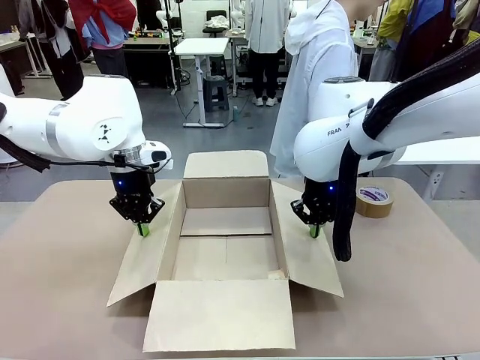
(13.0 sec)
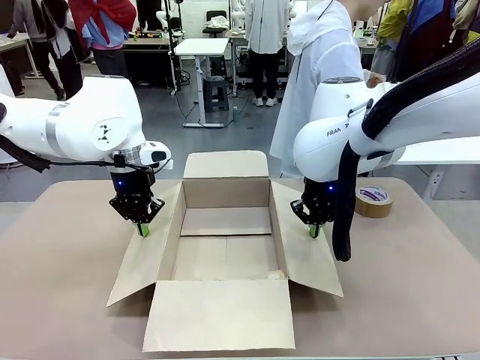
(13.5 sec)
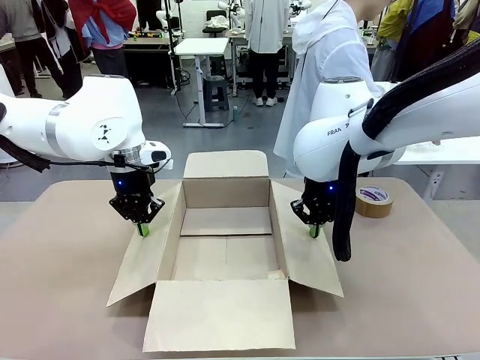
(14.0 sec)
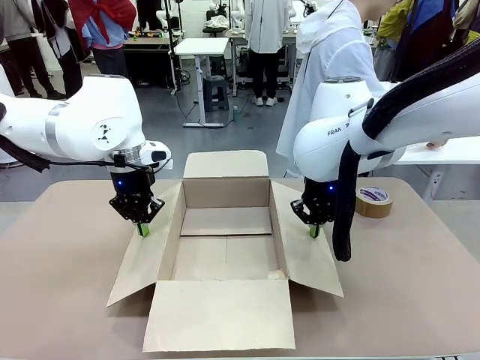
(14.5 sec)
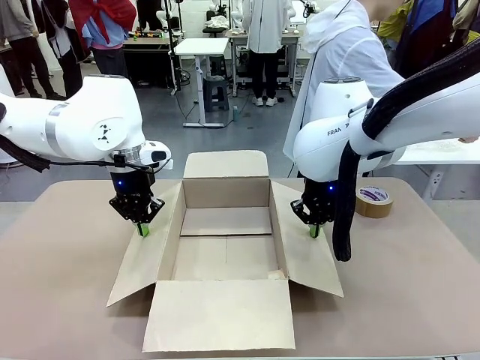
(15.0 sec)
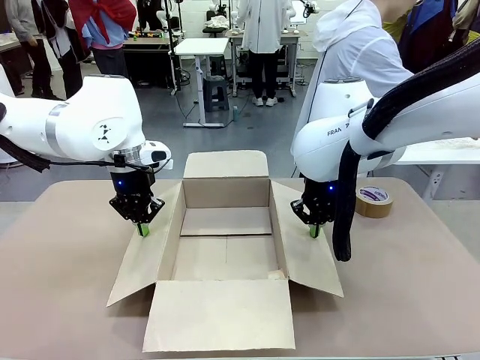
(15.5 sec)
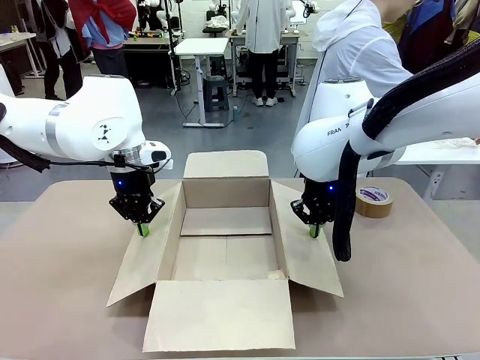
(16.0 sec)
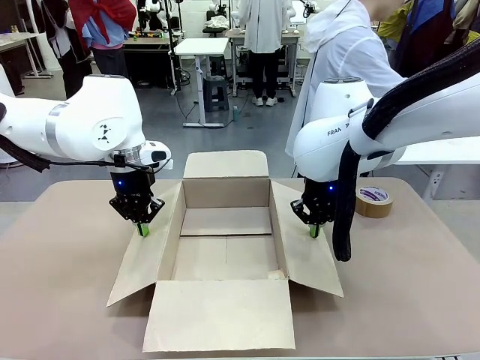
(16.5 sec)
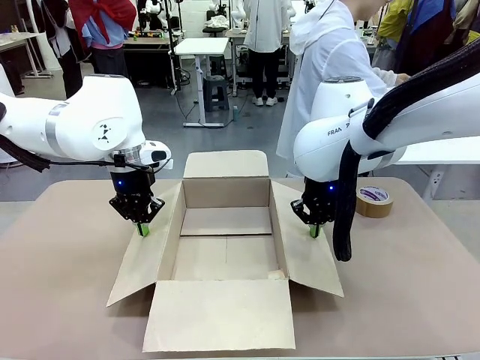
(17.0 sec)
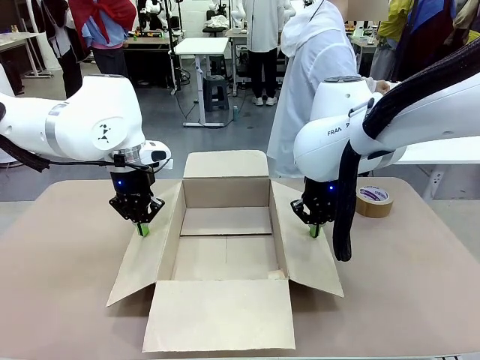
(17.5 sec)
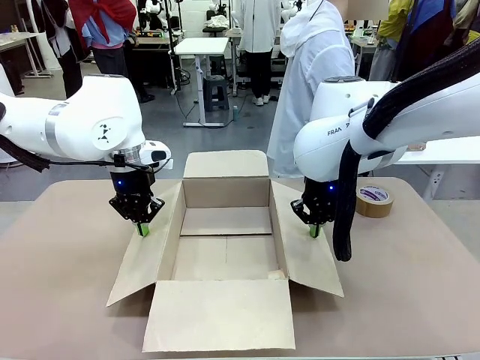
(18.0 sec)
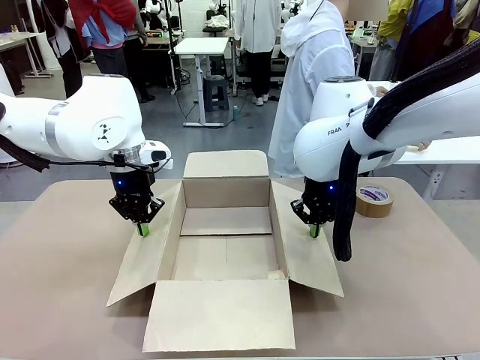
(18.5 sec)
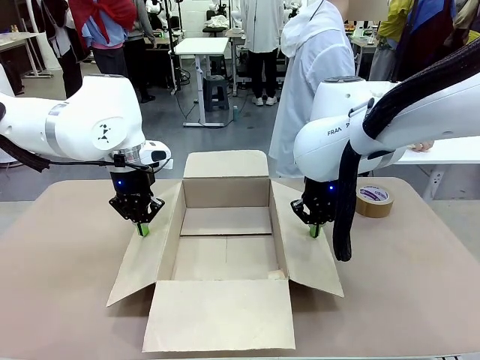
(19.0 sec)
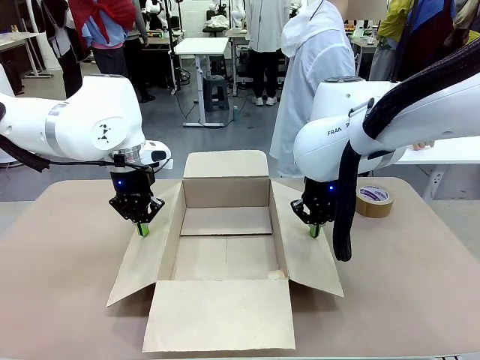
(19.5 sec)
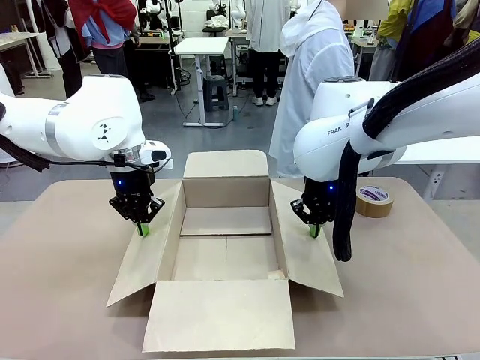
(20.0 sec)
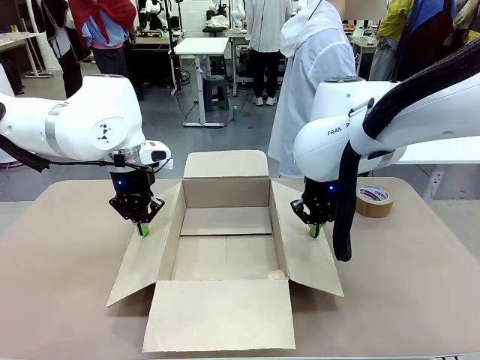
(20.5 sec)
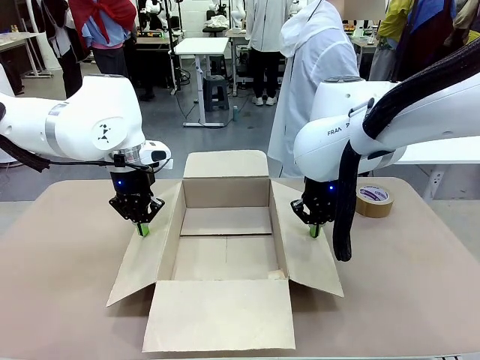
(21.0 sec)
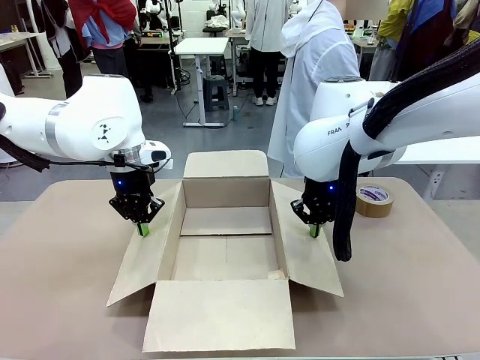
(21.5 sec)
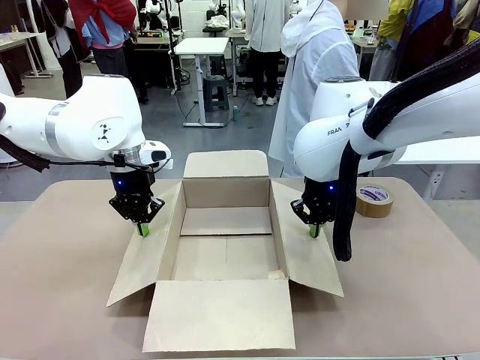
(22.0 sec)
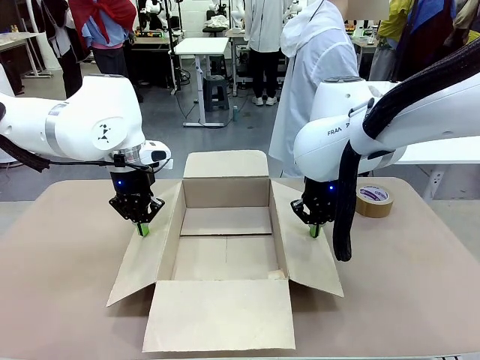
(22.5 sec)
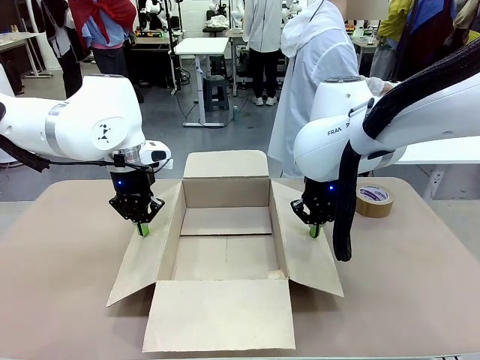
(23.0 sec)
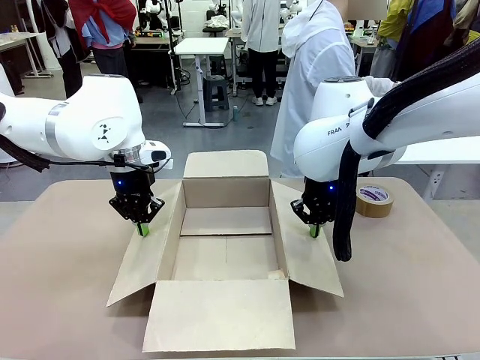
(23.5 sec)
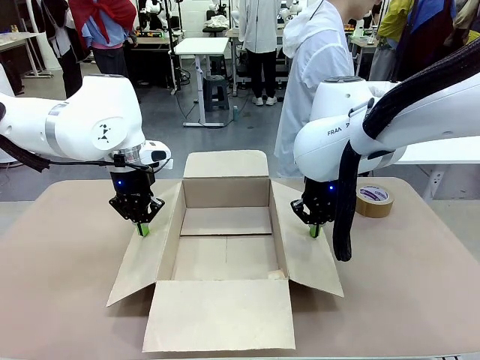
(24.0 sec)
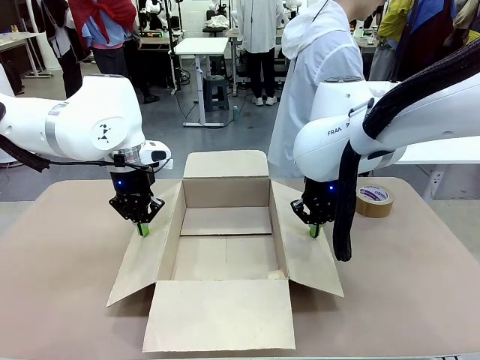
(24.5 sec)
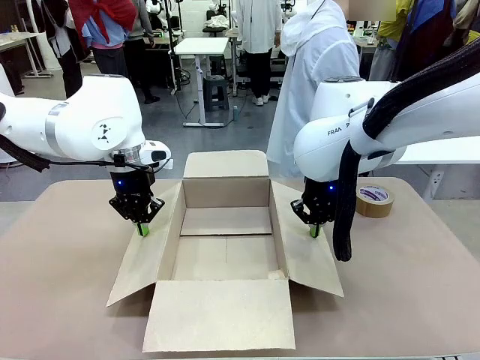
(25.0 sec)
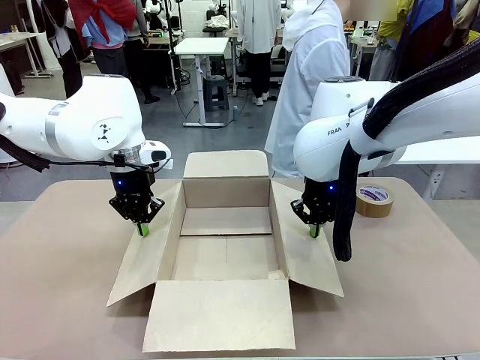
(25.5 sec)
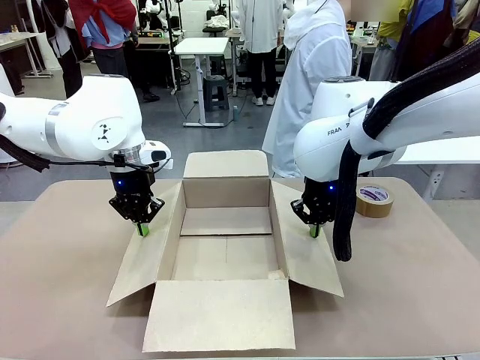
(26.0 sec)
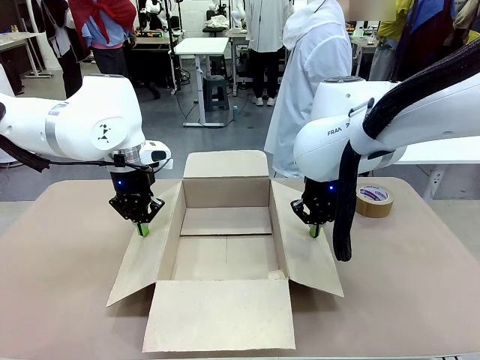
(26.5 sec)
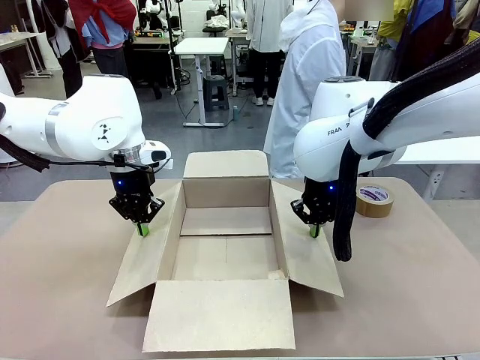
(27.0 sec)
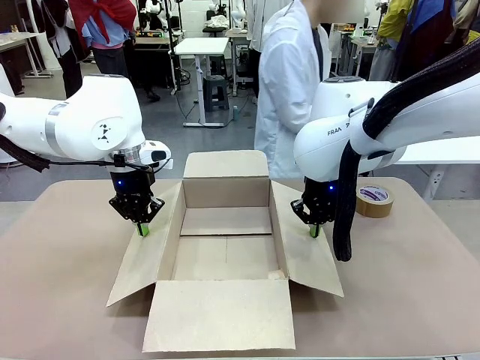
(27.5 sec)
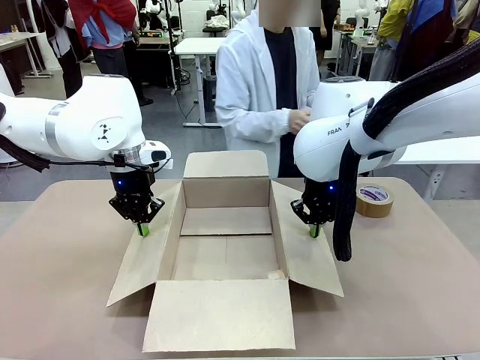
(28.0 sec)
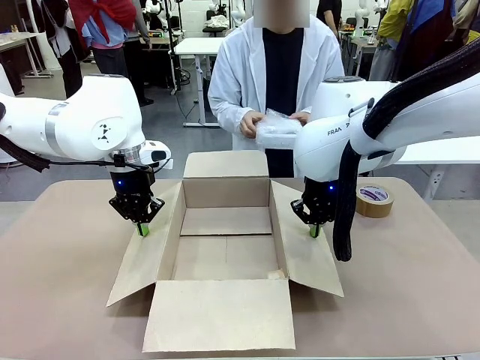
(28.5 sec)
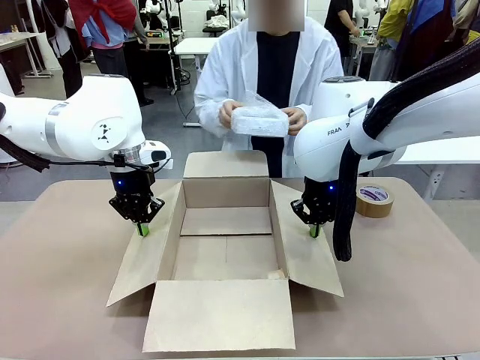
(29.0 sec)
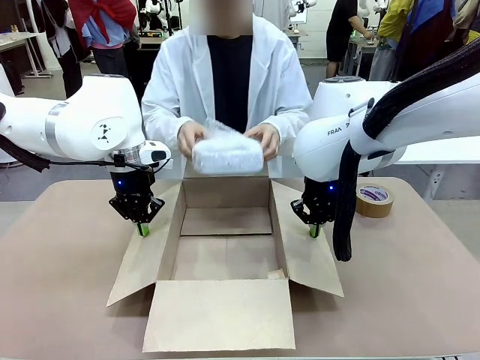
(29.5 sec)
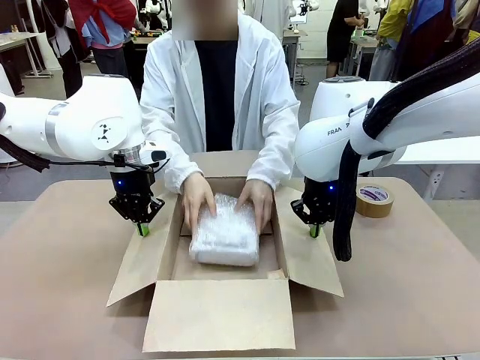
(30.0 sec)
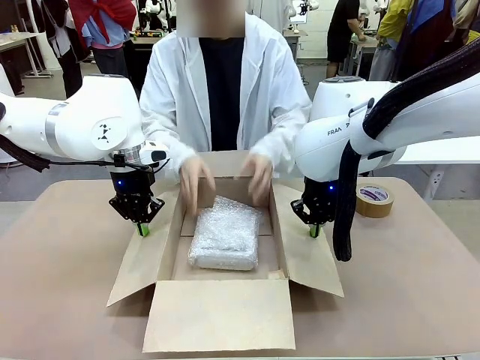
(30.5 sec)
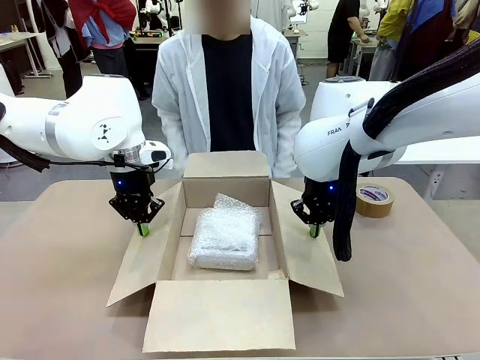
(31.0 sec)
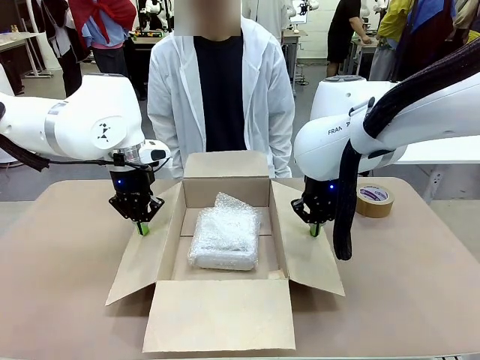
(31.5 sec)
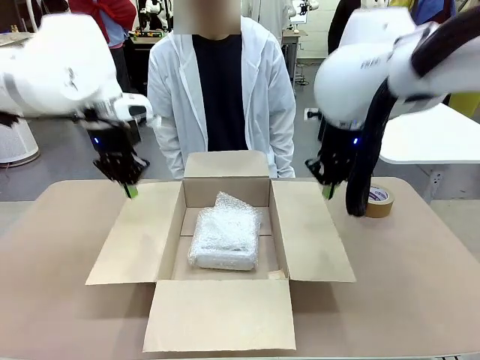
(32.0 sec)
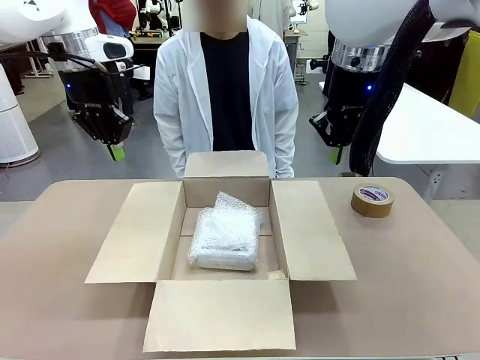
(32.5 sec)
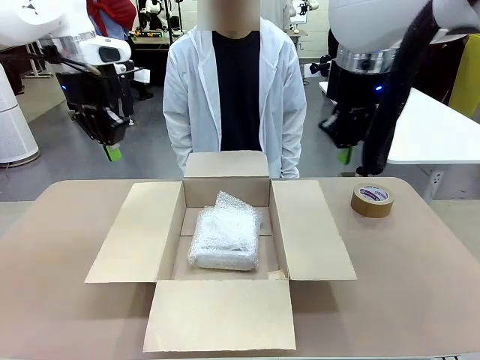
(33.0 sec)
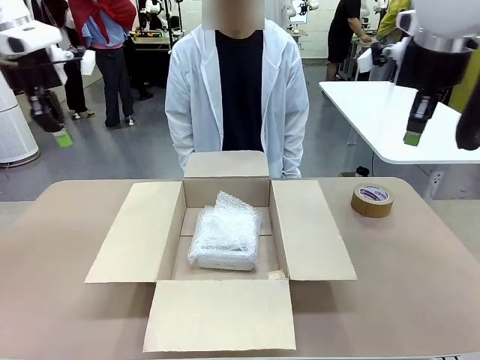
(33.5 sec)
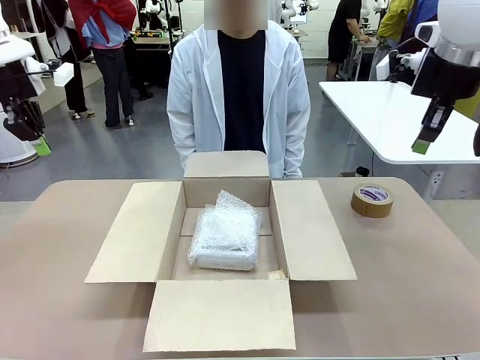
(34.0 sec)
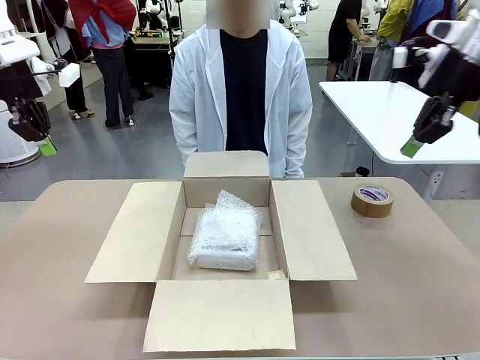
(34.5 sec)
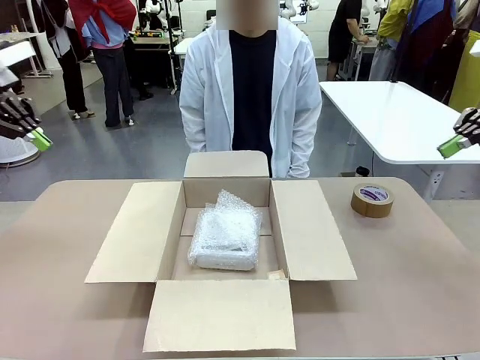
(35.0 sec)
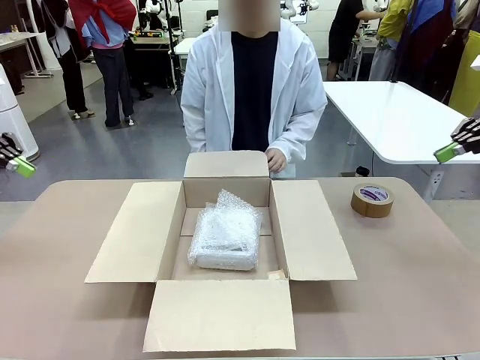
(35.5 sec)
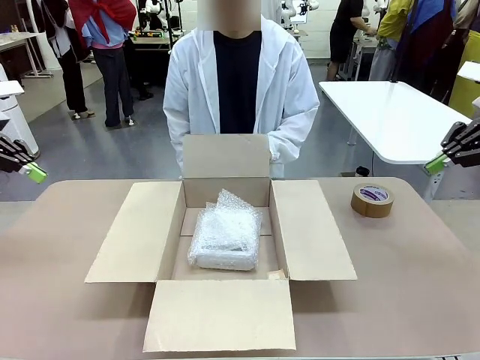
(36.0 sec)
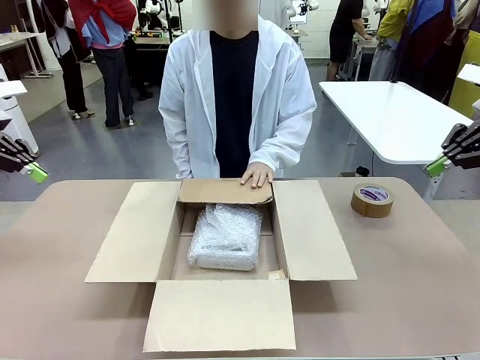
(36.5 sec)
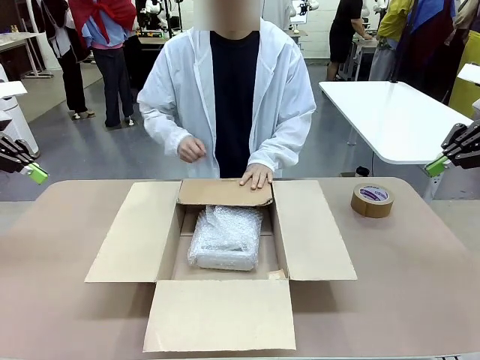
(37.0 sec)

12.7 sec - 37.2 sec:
Task: Wrap the clocks to prevent damage.
Robot: Once the human has placed the objects inside and stepped back, release both hands from the side flaps of the Package Box.
Person: Wrap the two Digital clocks with Bubble Wrap. Place the wrapped Digital clocks inside the Package Box. Hold the top and bottom flaps of the Package Box closed with your left (or right) hand.
